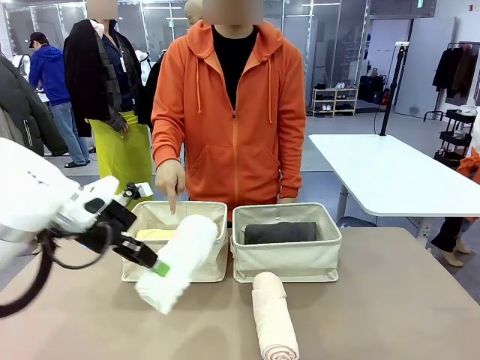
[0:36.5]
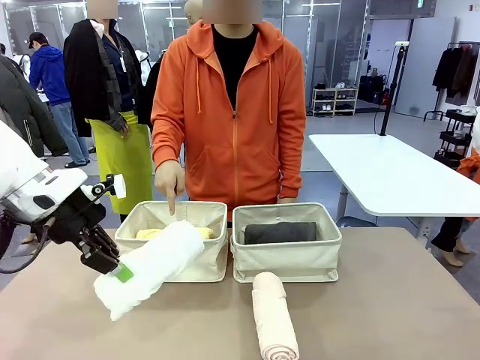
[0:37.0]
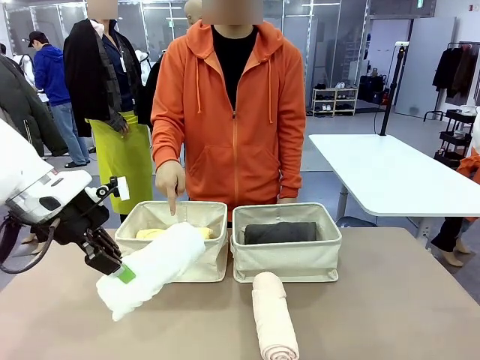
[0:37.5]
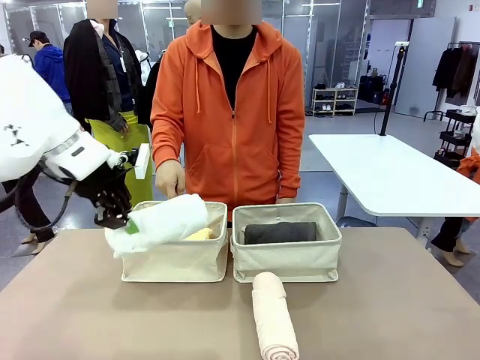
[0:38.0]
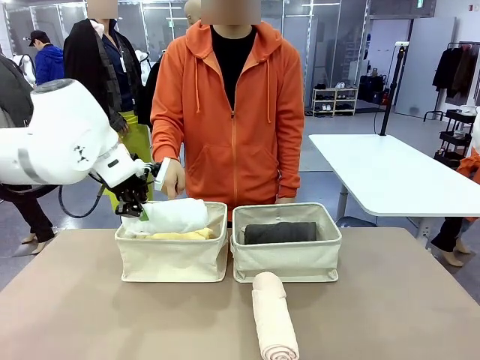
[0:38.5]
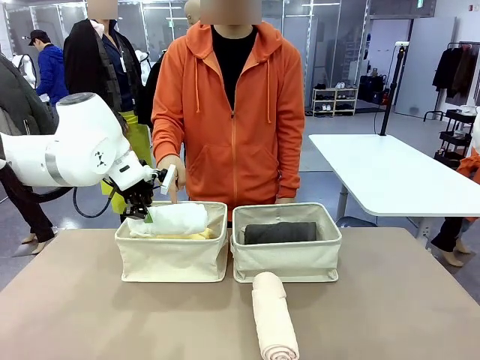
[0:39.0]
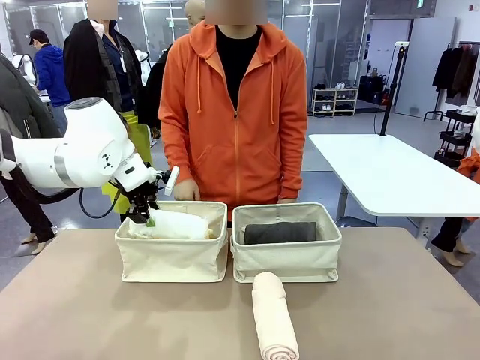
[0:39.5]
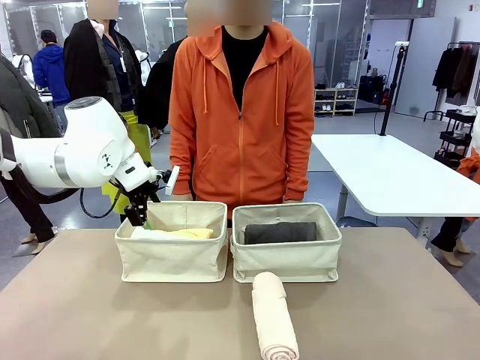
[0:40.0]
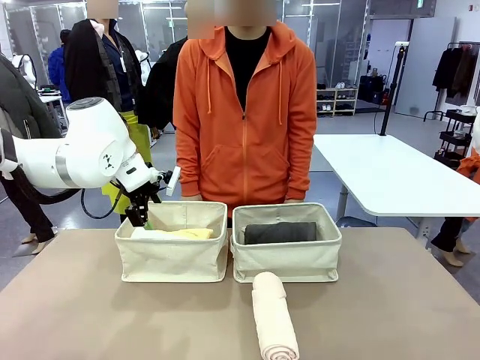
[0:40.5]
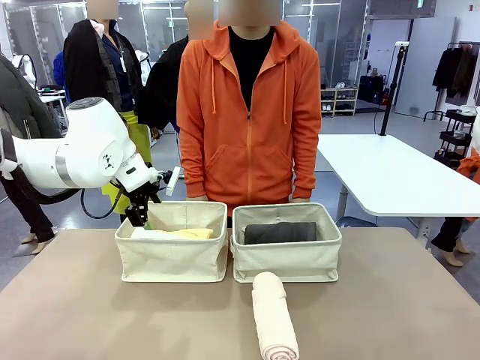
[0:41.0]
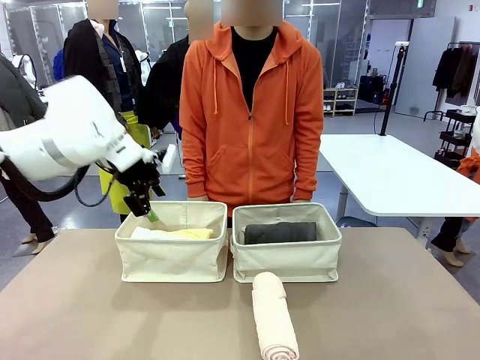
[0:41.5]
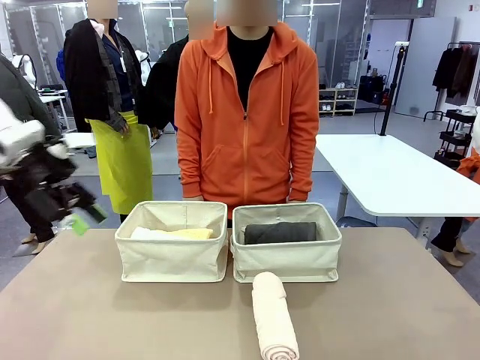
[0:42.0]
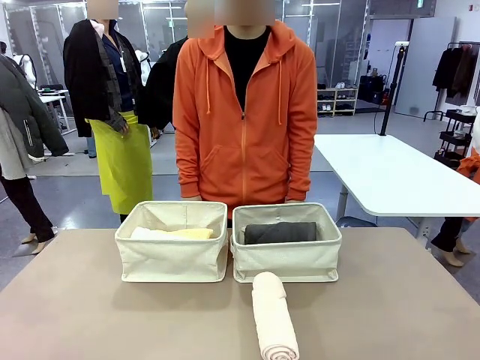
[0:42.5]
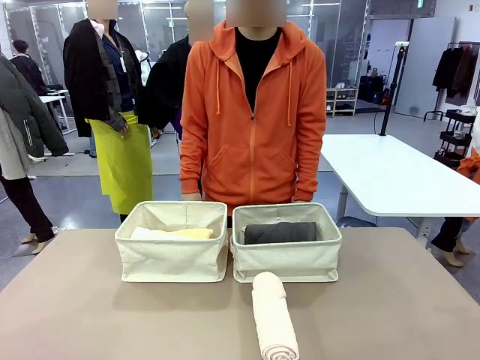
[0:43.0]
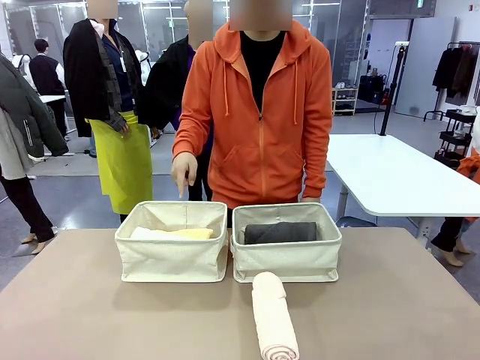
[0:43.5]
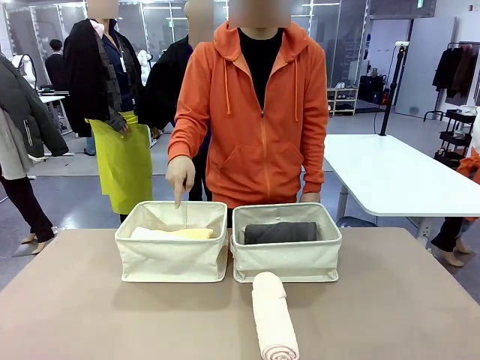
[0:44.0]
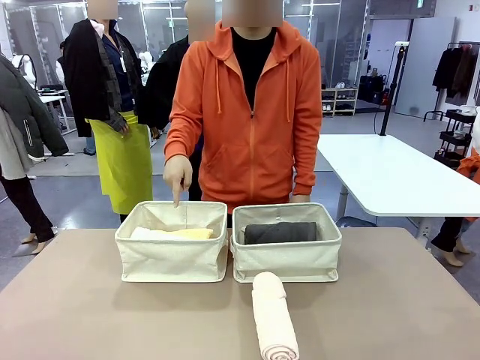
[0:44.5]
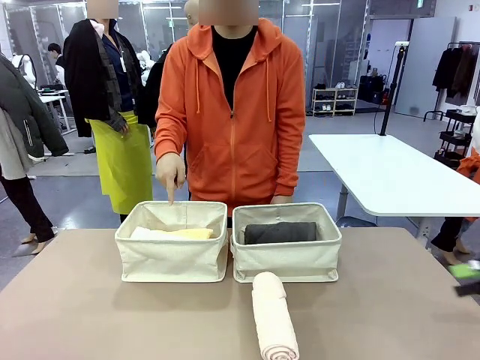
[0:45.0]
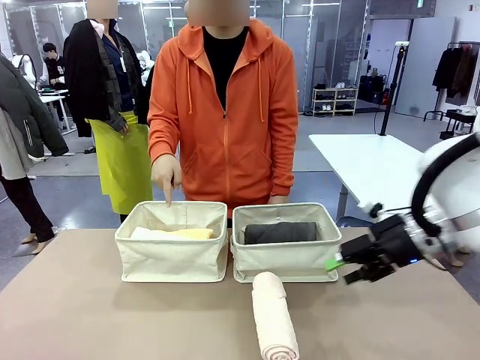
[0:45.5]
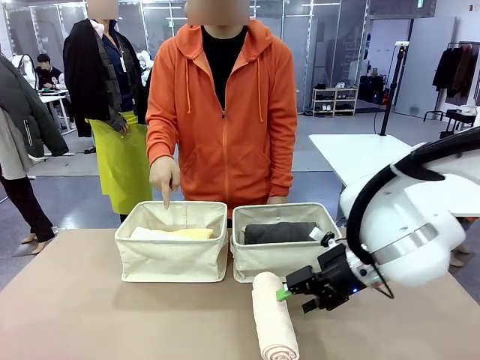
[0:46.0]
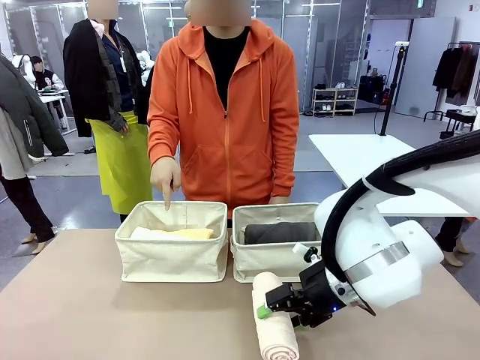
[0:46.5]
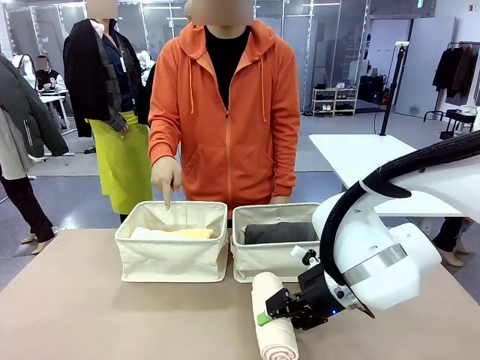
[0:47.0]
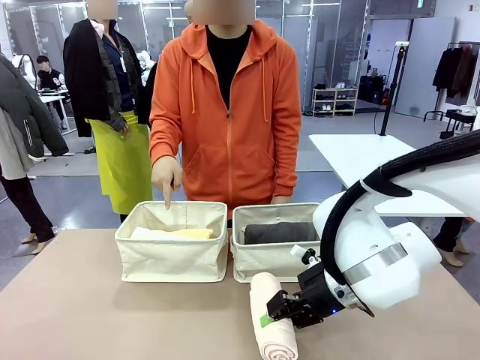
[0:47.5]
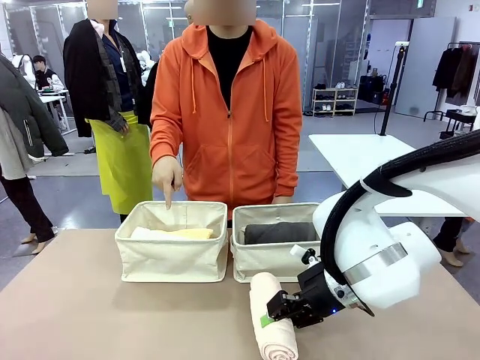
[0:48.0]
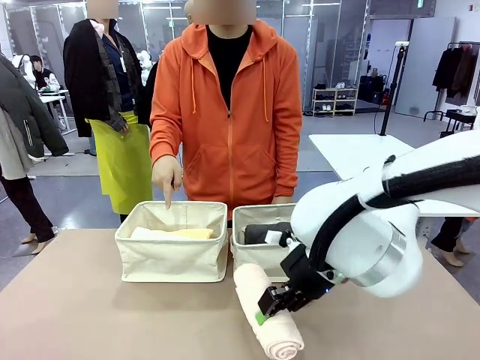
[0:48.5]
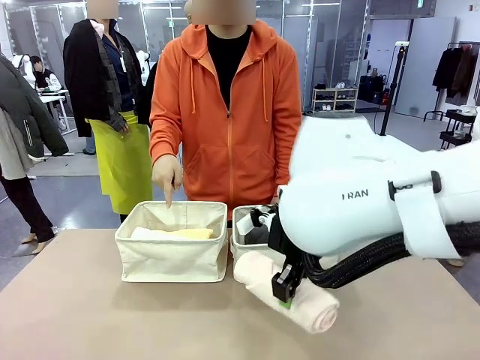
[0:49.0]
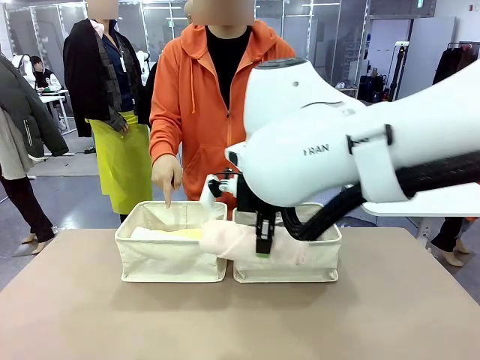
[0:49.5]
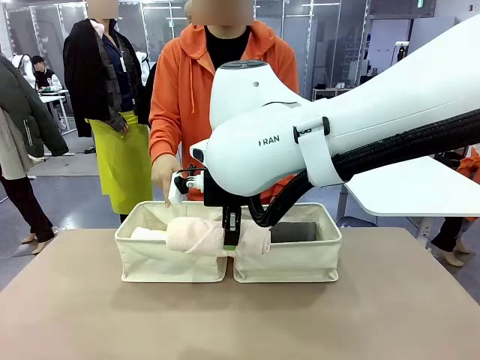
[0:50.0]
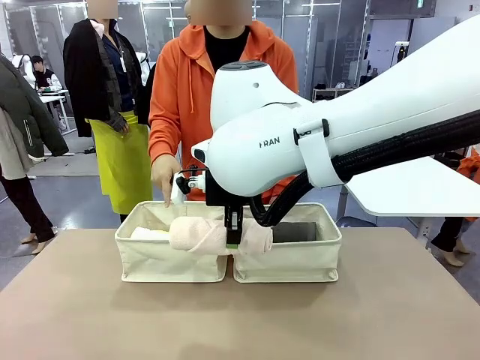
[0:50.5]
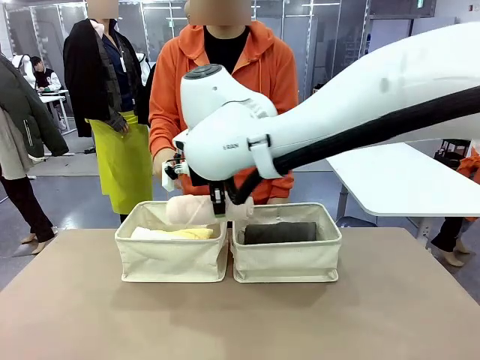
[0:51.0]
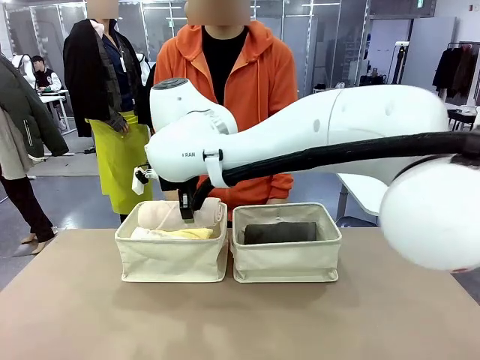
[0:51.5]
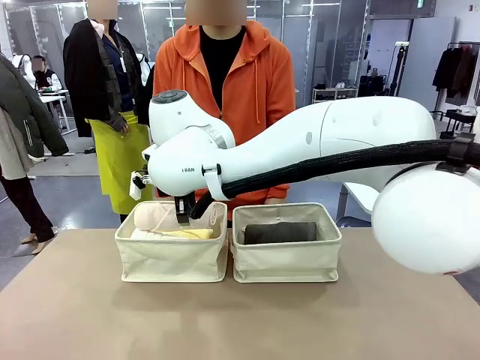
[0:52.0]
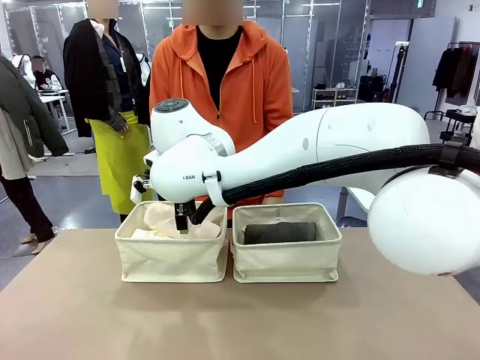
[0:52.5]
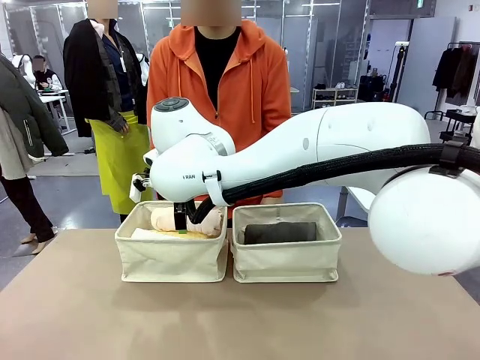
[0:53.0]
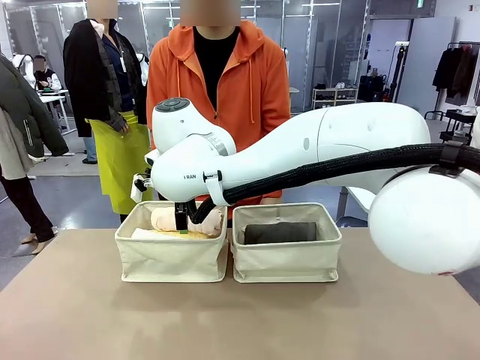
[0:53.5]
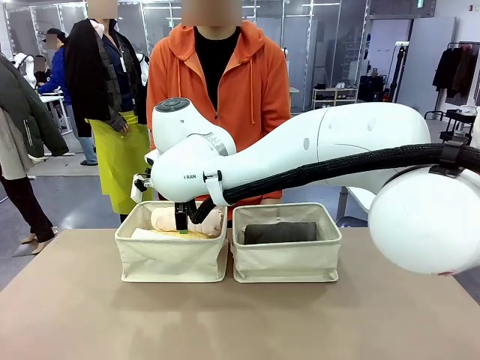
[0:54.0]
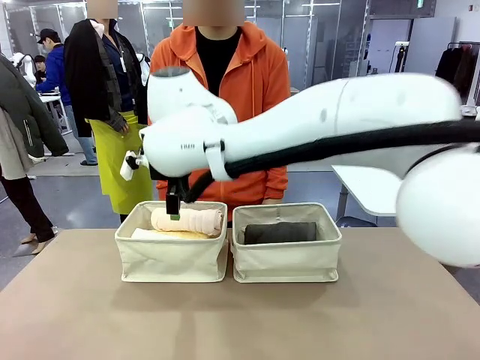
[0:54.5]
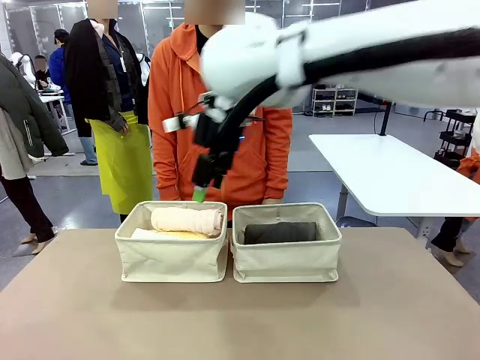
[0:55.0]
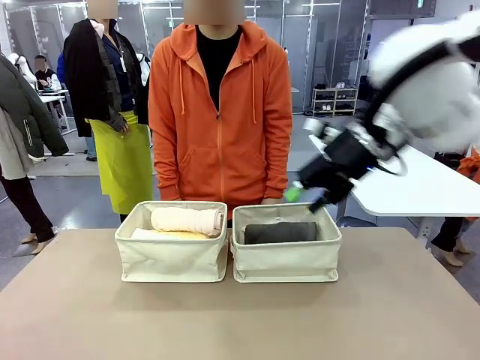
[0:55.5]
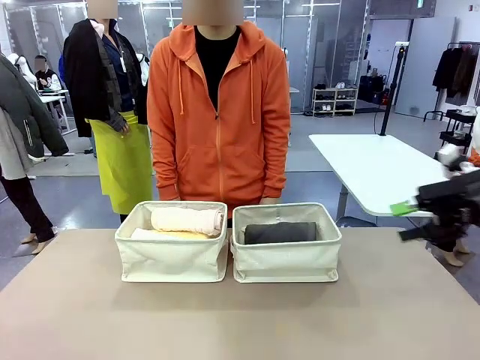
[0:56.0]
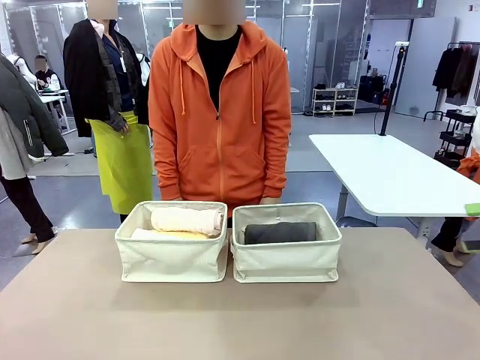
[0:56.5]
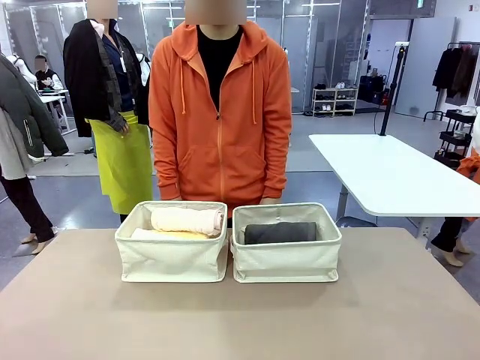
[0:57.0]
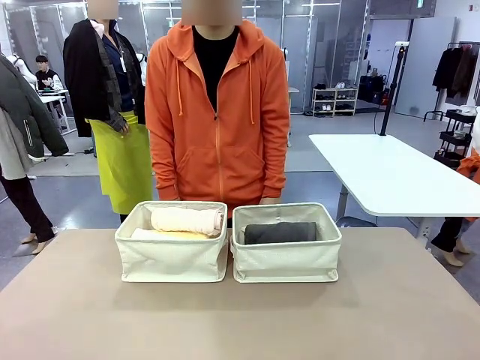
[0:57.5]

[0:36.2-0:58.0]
Task: Divide the towels into two baskets.
Robot: Pick up one hotel-folded towel from the bottom of the table and place it in the Fabric basket indicated by the person.

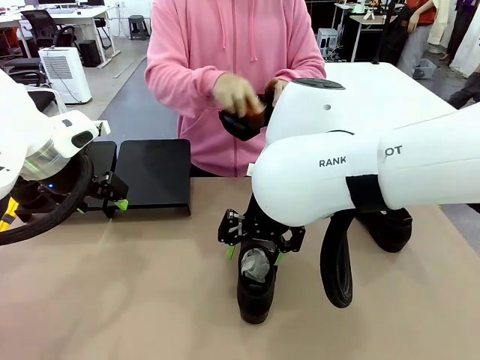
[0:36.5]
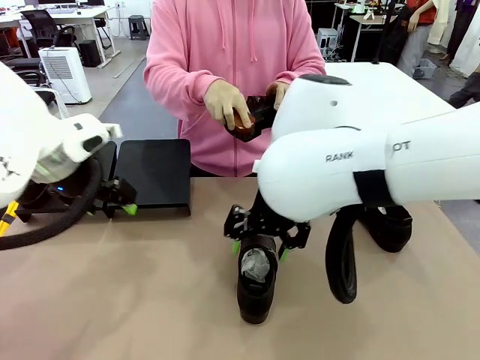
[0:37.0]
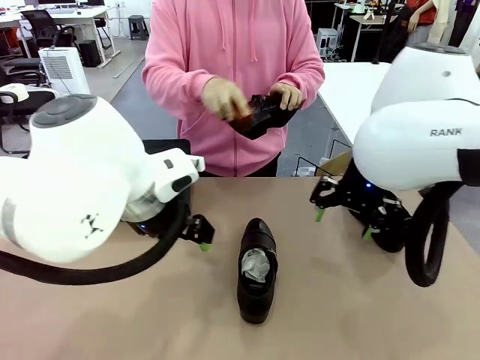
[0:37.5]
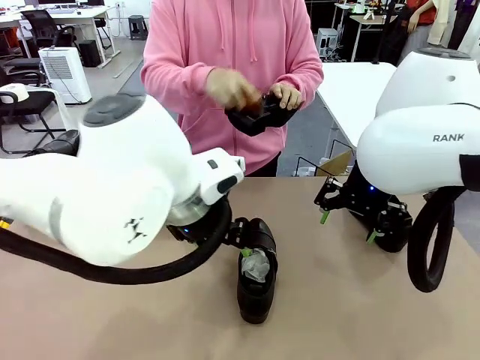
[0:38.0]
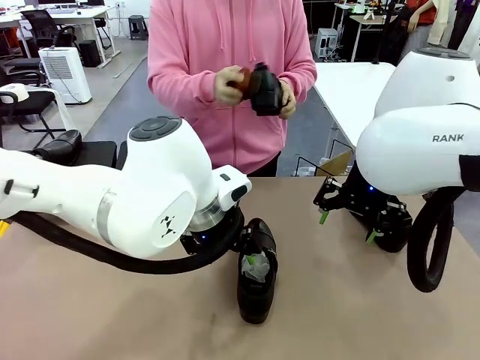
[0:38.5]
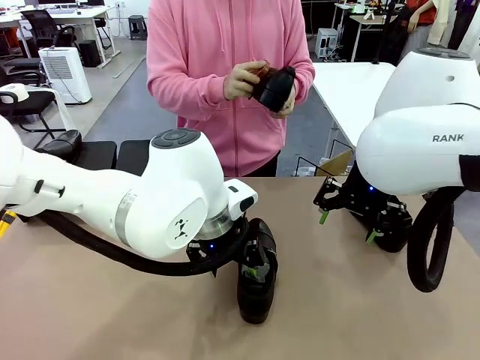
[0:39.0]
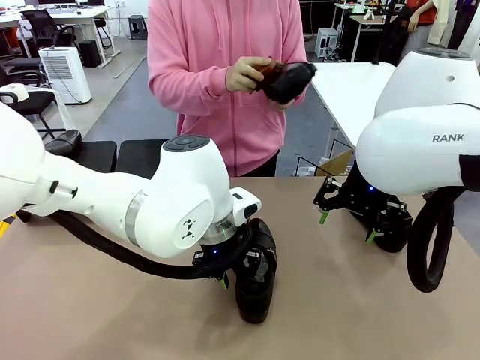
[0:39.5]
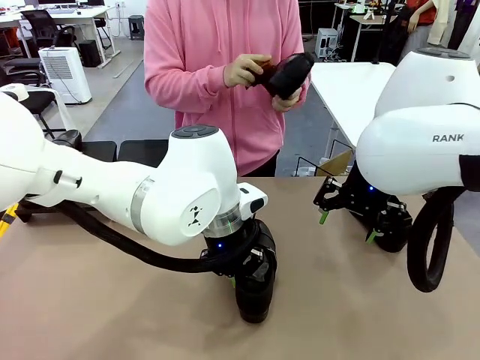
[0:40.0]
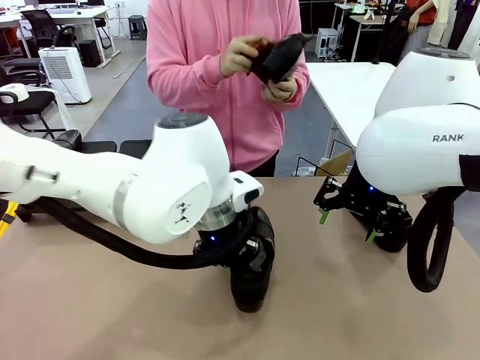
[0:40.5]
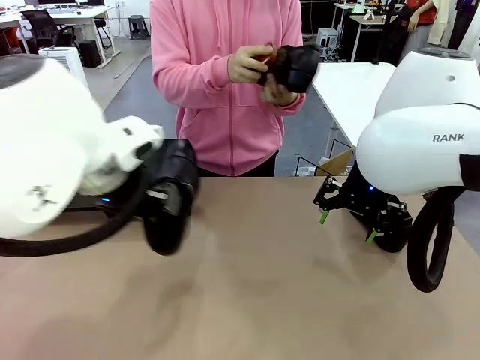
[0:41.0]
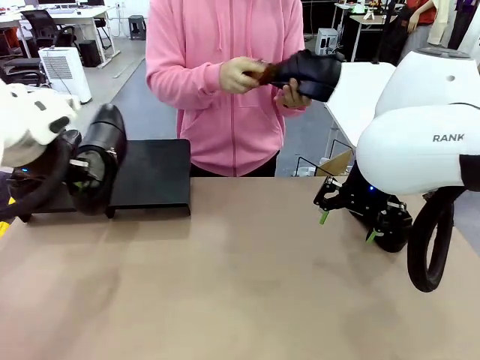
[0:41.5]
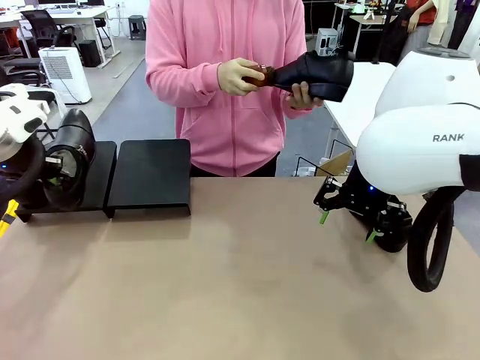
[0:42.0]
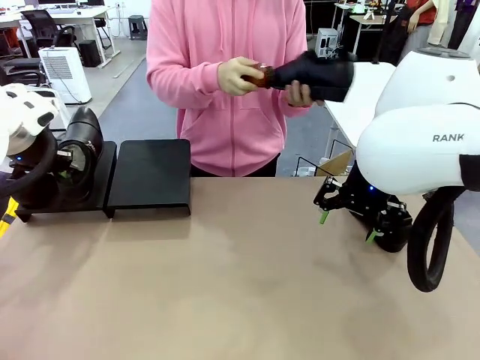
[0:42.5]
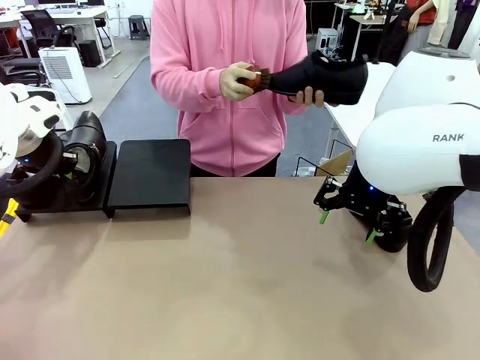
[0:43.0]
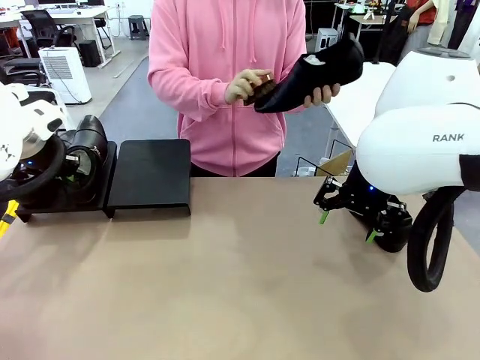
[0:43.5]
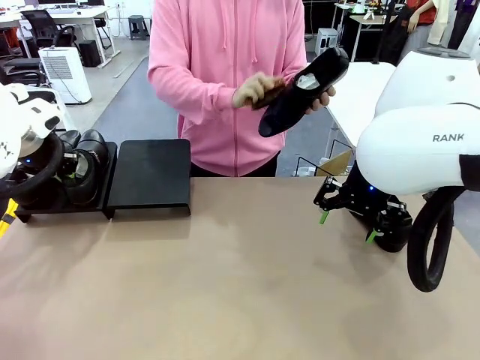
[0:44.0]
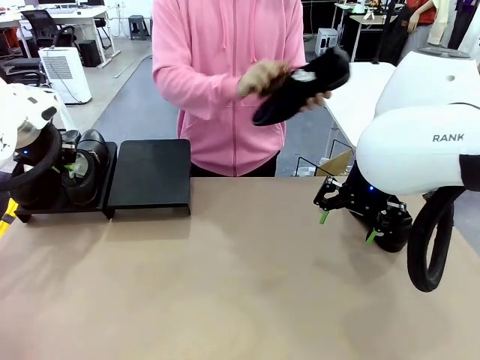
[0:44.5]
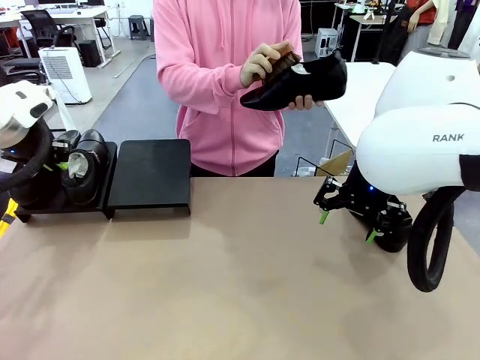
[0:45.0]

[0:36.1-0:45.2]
Task: Organize the shoes by placing them on the stand.
Robot: Place the Shoe from the middle of the table onto the Shoes Stand.
